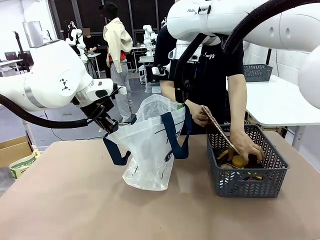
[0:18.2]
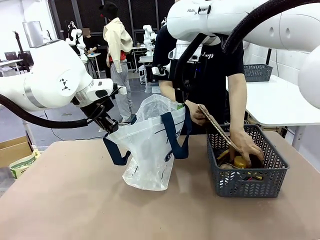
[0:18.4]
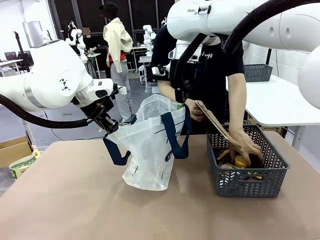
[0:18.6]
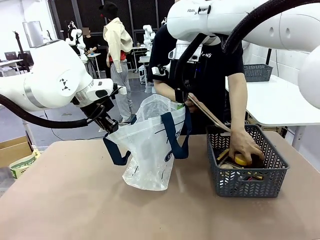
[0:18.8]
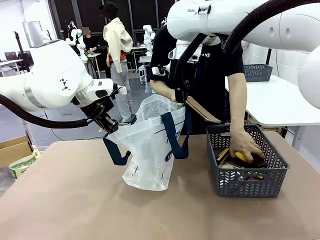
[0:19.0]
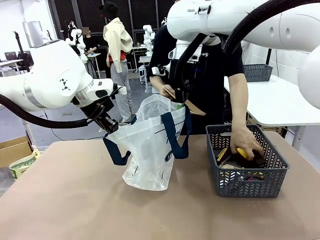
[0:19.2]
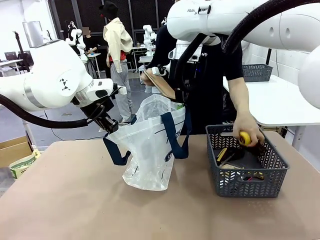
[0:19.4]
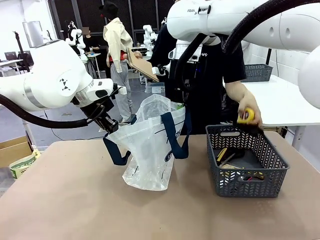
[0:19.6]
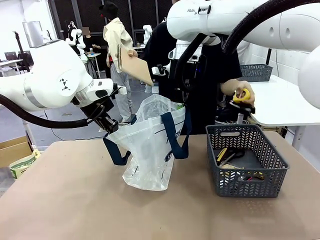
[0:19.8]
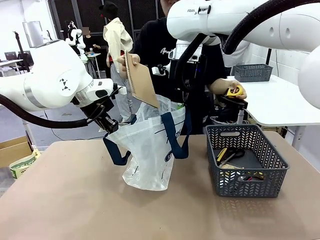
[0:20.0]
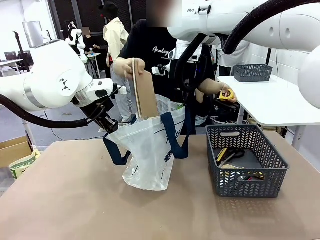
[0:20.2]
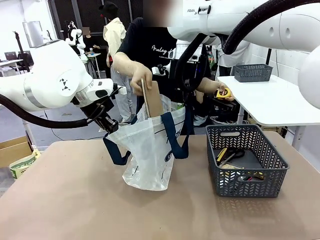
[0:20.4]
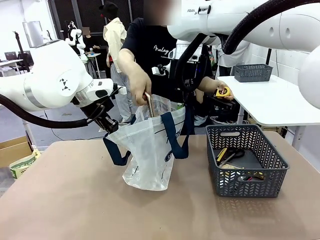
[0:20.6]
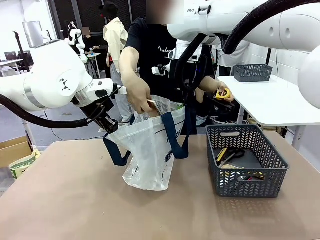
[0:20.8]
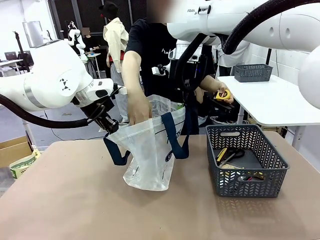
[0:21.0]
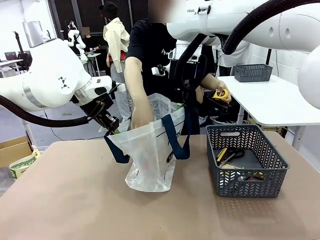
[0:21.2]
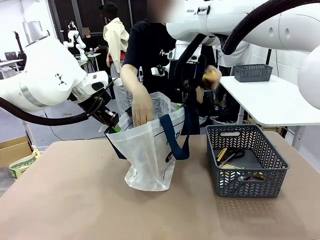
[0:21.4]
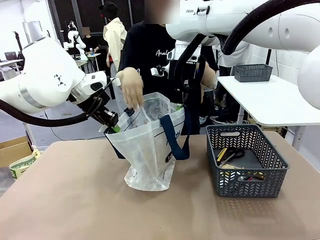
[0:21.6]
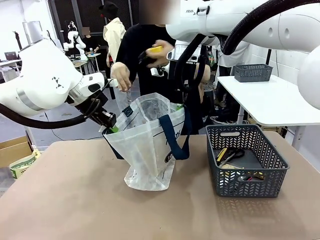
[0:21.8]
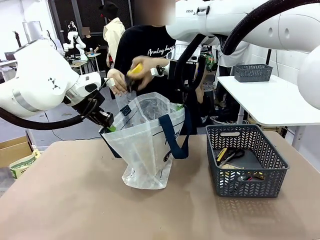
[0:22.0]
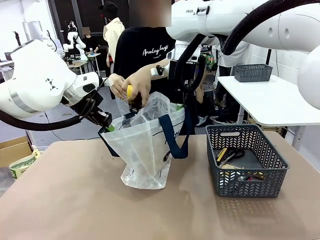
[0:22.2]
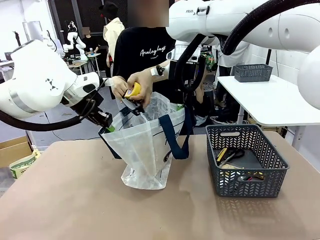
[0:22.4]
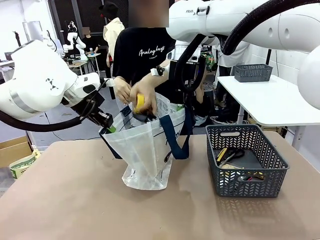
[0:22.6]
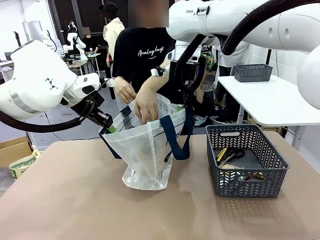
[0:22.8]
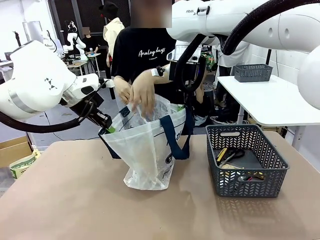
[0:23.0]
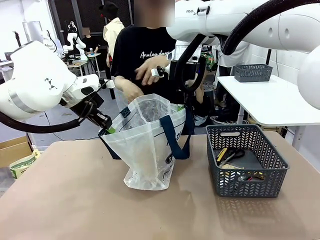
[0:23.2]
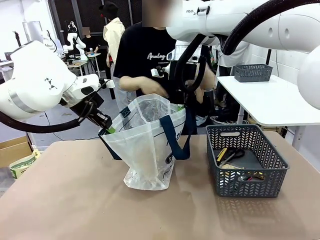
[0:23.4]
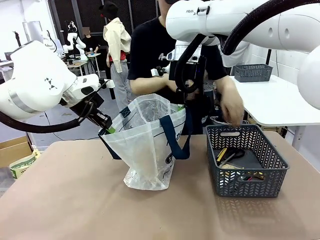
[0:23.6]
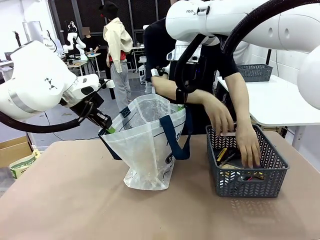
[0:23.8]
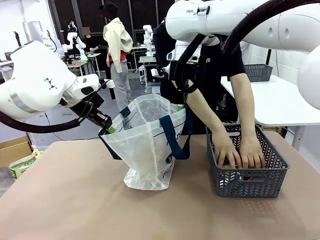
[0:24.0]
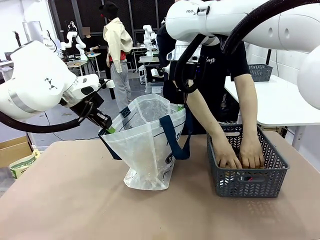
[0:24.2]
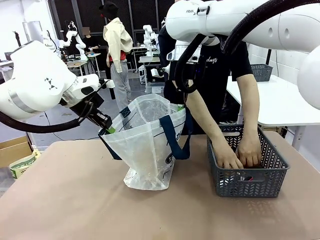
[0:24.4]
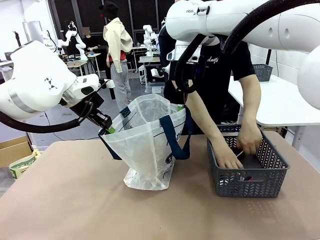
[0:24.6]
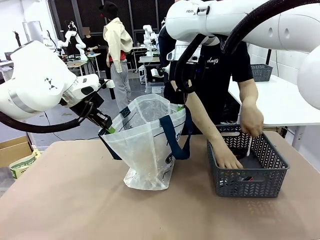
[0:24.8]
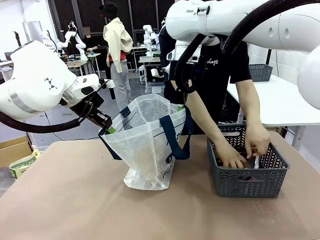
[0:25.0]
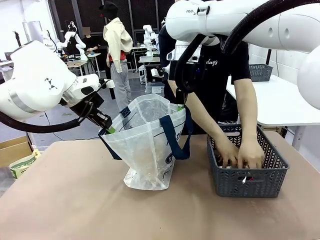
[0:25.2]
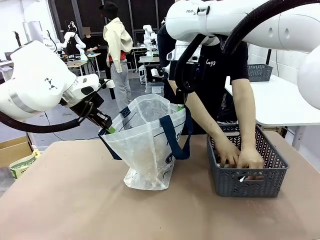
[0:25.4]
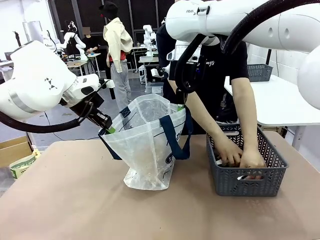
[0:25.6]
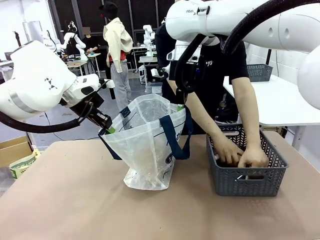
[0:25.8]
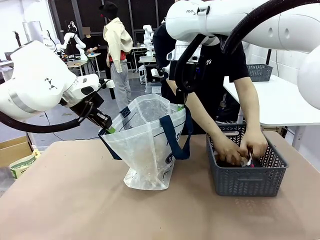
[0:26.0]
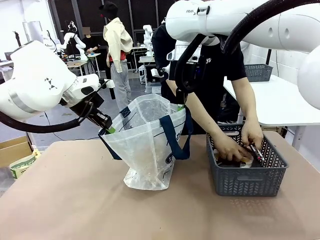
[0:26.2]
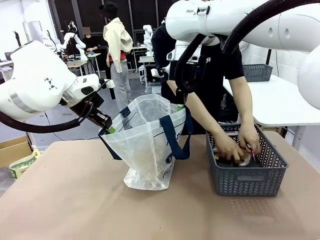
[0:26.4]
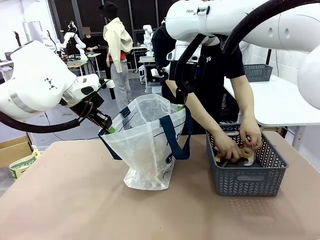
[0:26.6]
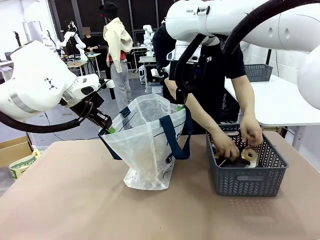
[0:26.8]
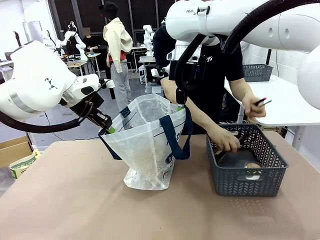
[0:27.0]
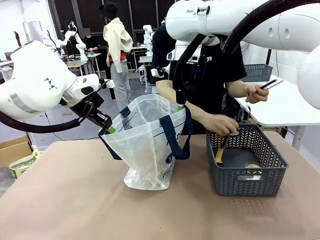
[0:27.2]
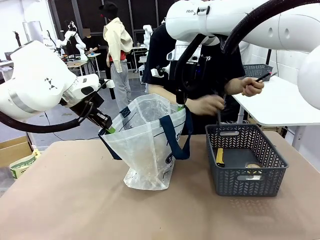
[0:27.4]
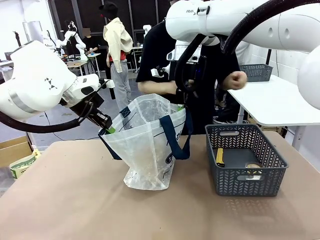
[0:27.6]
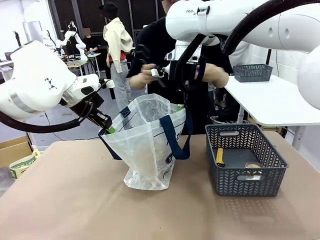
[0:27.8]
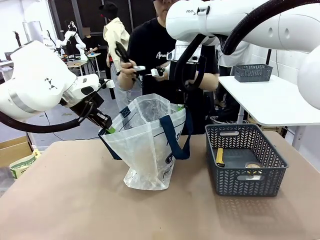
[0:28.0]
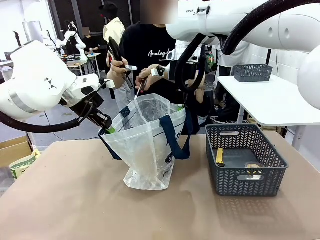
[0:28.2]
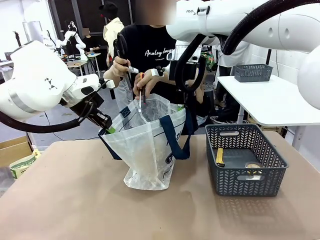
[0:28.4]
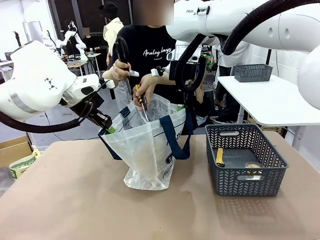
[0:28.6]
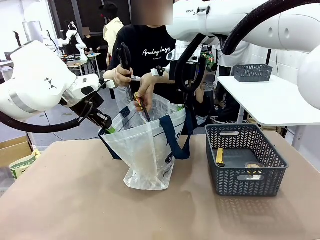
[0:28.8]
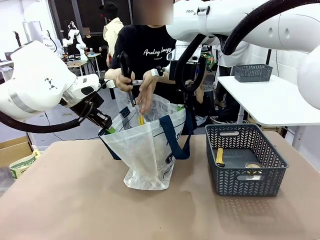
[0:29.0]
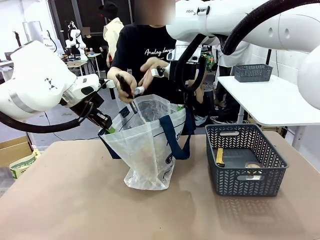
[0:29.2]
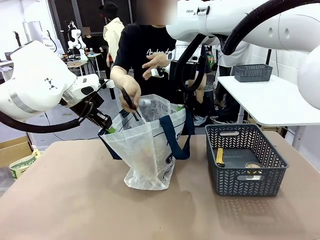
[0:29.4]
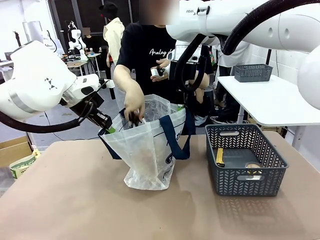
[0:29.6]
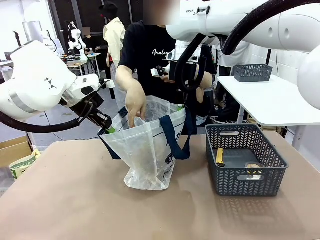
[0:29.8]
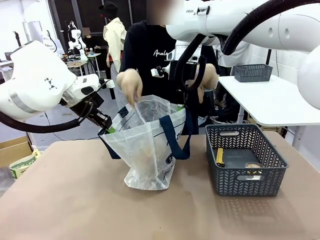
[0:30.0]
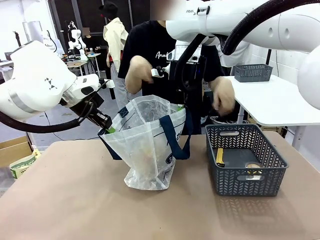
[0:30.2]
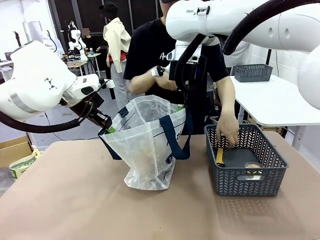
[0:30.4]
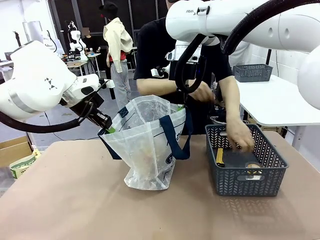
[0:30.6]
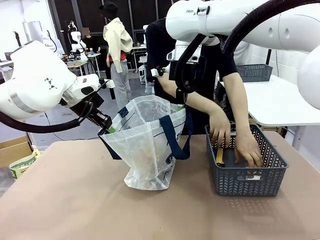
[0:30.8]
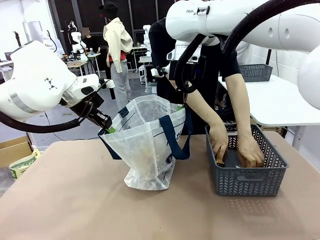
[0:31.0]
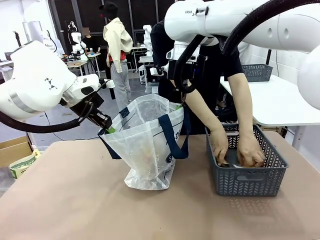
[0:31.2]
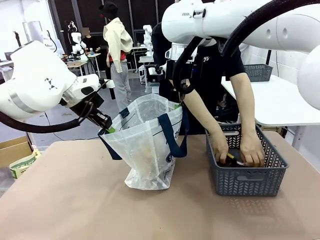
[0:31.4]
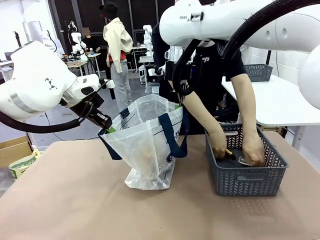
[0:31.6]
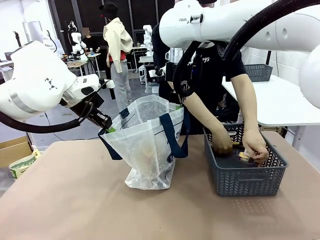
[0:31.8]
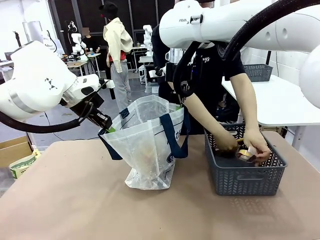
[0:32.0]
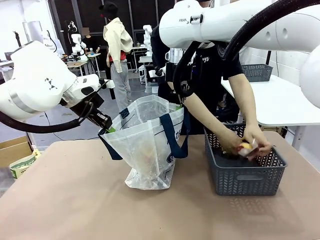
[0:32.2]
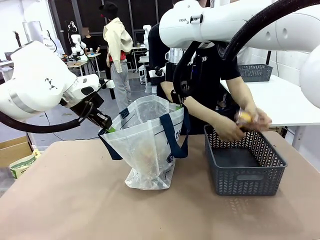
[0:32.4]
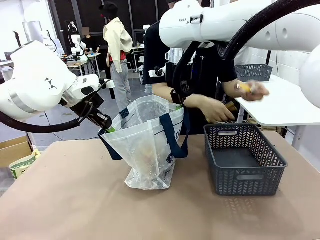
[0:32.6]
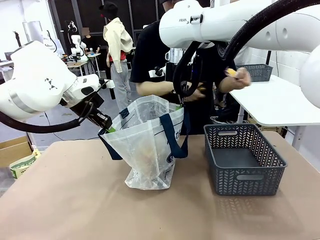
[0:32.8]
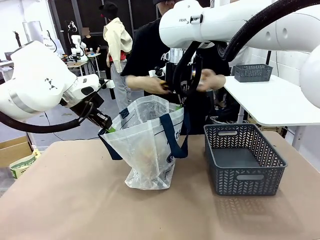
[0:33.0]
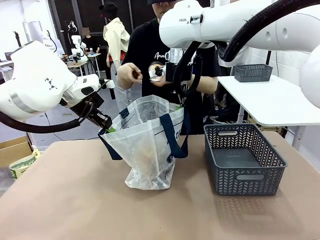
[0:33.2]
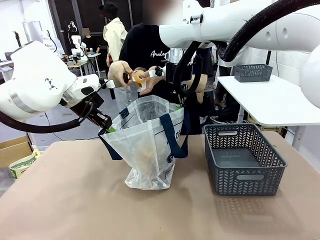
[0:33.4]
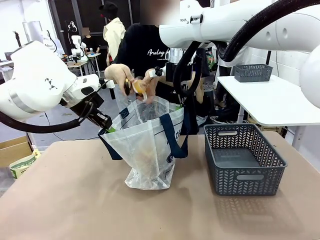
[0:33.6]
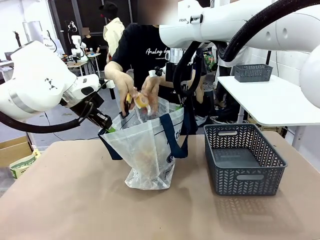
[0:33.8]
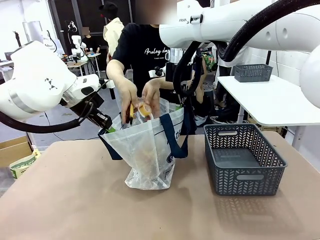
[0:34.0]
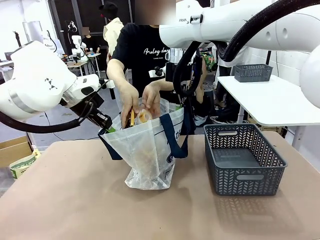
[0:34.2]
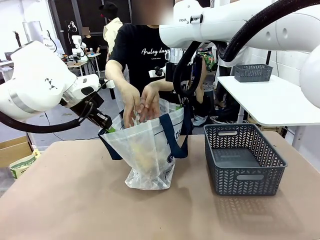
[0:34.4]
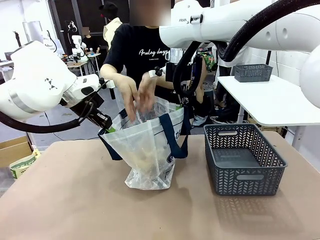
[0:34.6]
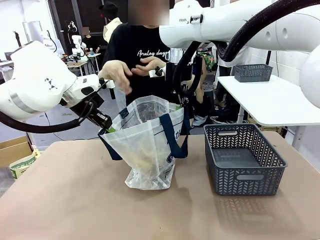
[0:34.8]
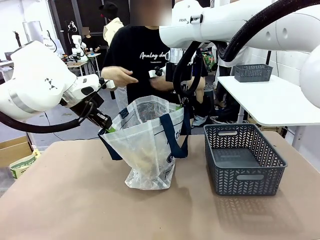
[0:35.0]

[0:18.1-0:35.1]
Task: Transfer purchased items from the store into the shopping bag.
Robot: Move the Reusable shopping bag to the right side of the table.
Person: Pick up the basket on the right, place it on the left side of the robot table, and move the items in the basket to the shopping bag.
